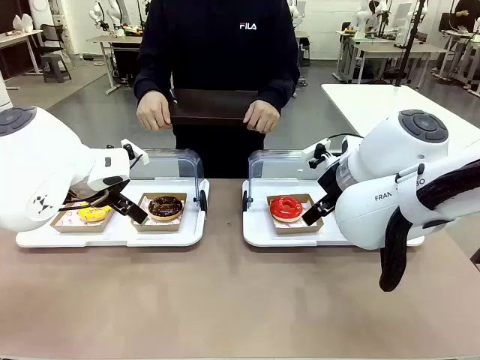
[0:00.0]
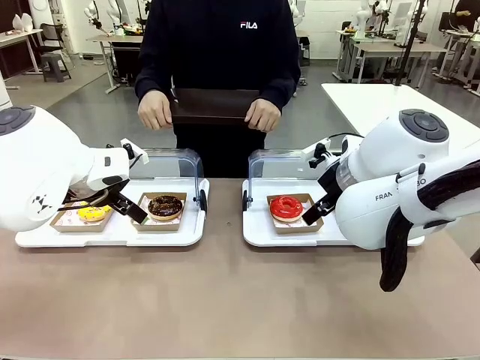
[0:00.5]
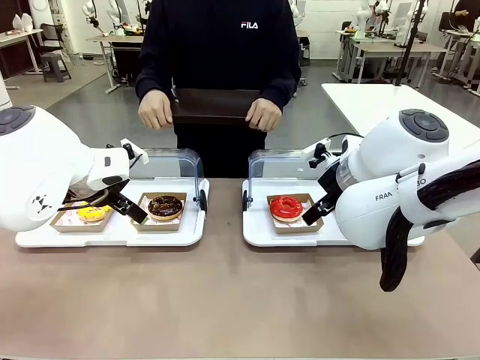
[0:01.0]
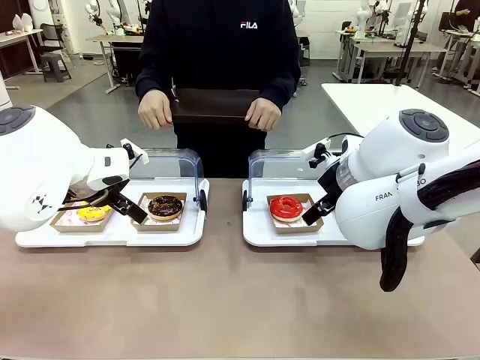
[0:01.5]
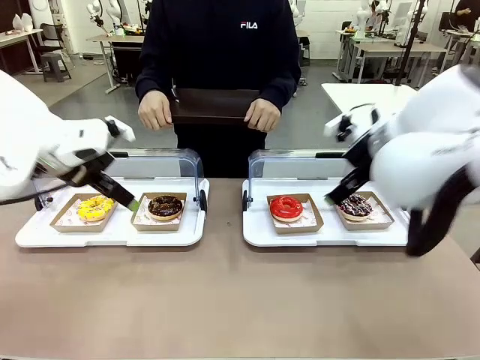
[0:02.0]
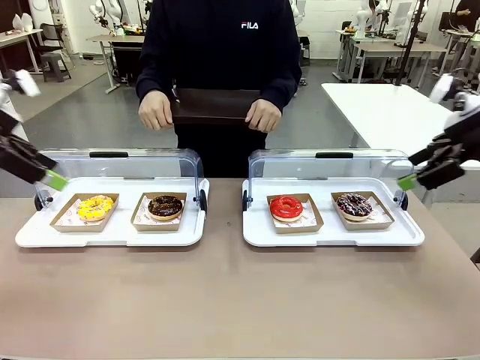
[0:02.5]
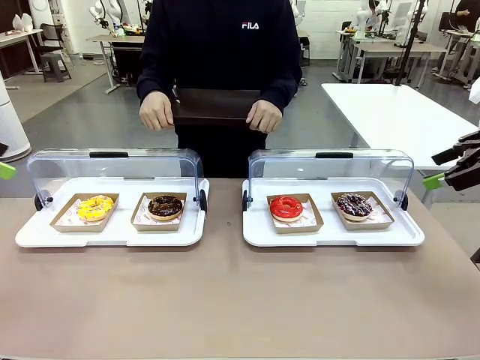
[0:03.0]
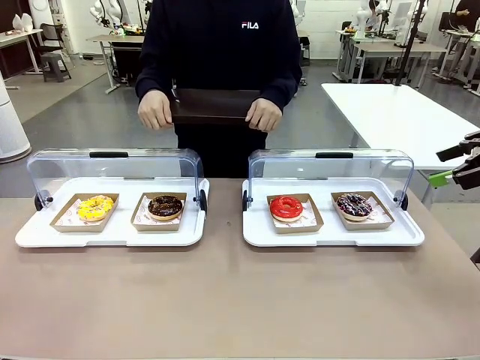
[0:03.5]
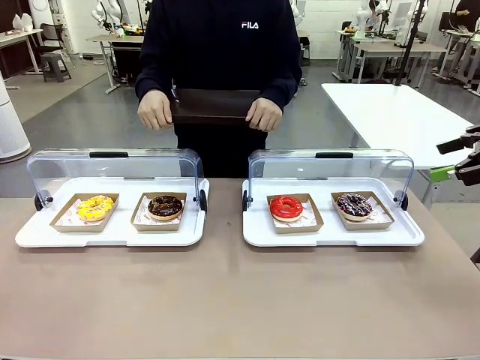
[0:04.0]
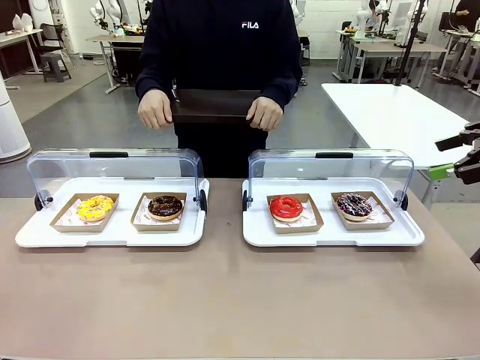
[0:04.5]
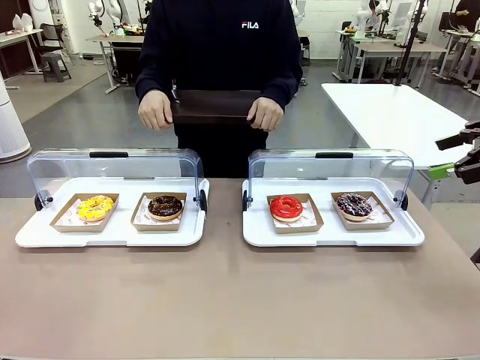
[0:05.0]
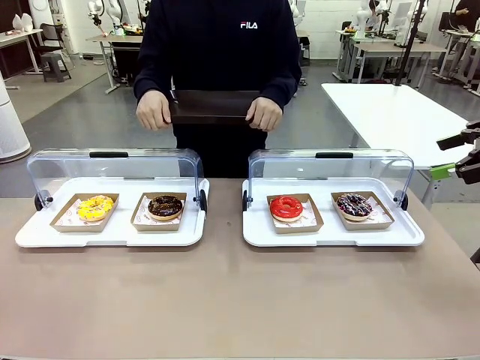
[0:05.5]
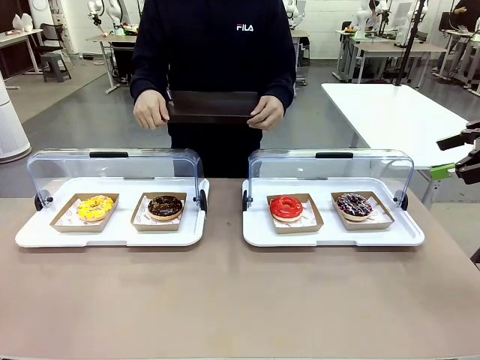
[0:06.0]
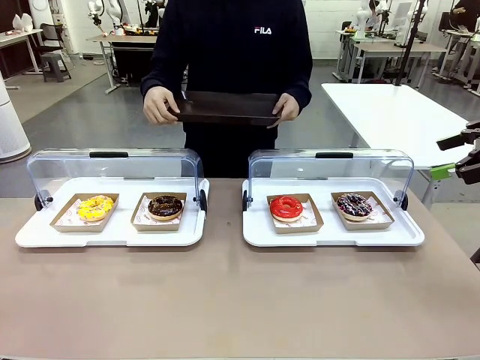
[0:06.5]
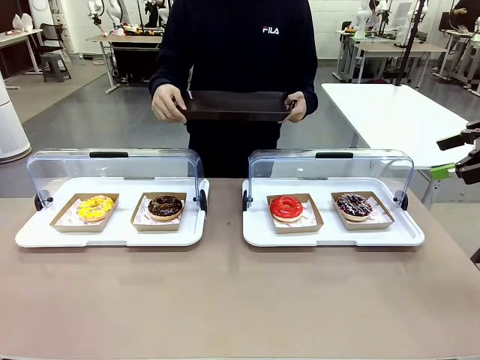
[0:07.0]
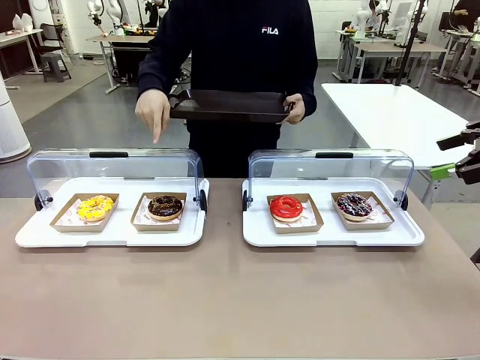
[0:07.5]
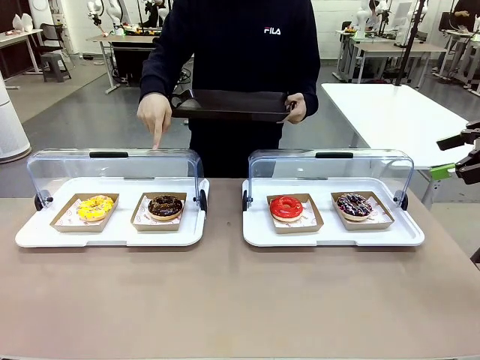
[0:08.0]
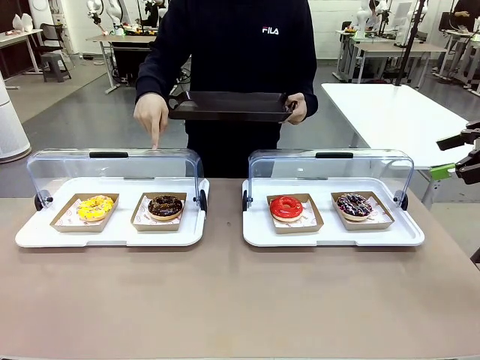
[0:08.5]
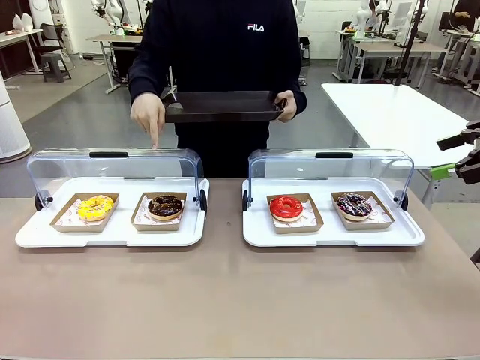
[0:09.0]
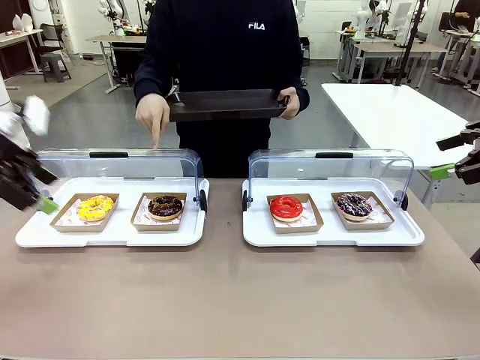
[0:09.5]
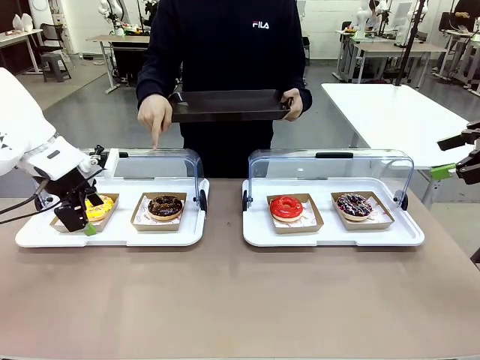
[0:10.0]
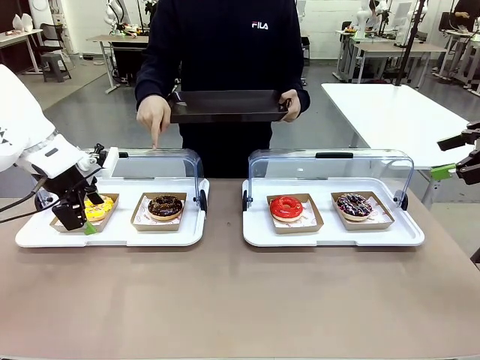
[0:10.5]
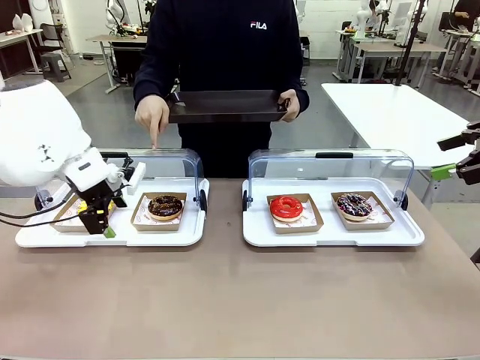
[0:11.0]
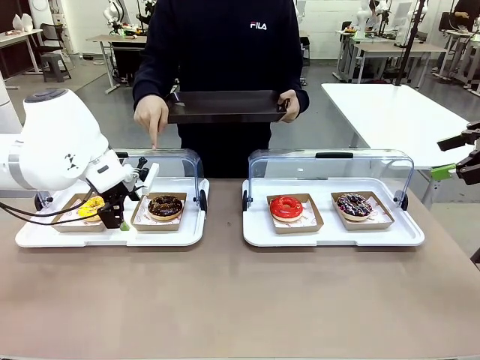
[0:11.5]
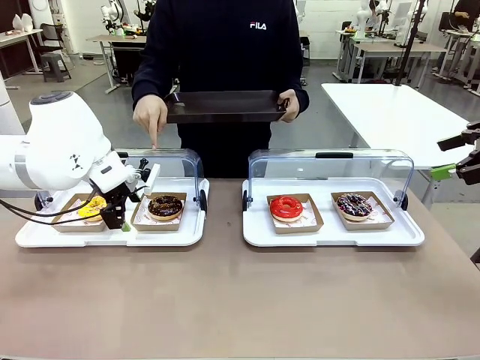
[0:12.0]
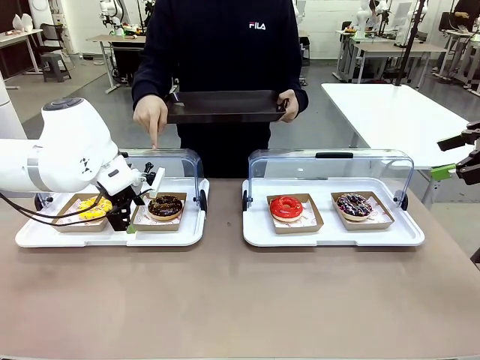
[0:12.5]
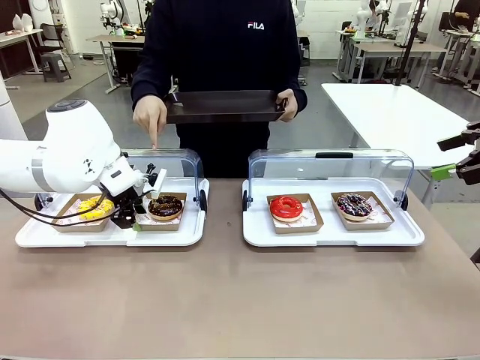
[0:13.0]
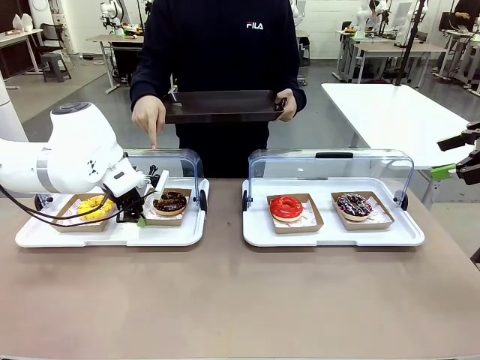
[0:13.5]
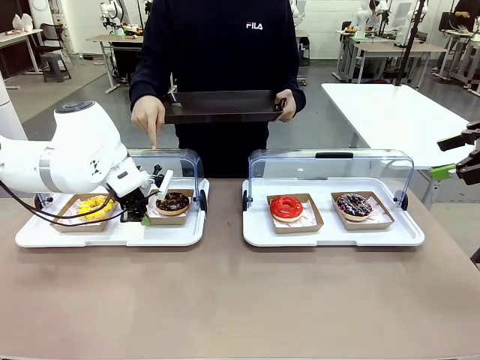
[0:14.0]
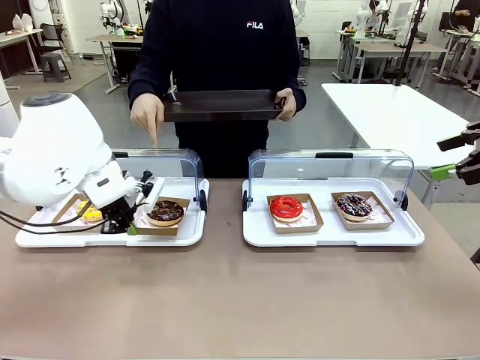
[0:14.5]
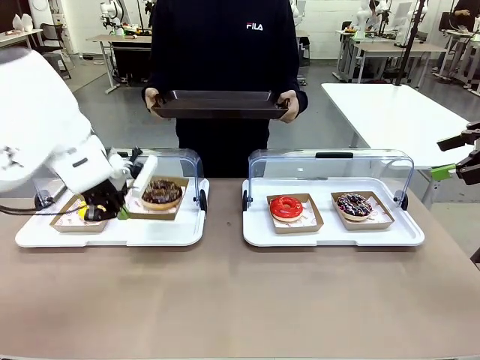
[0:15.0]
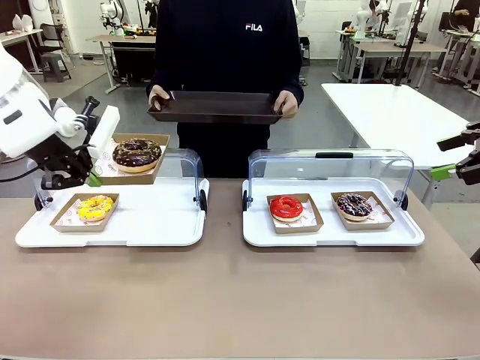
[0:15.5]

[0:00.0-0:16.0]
Task: Provide the desired donut to the person.
Robot: Pick up and lift the Paper togo box containing the Donut pointed at by the person.
Person: Point to one donut. Lift the tray onto the Roll-Top Bakery Case.

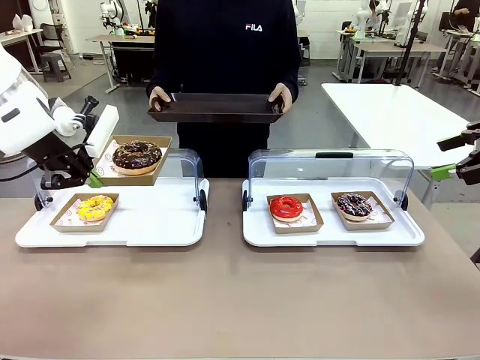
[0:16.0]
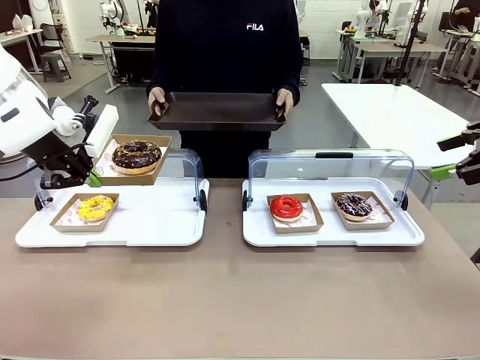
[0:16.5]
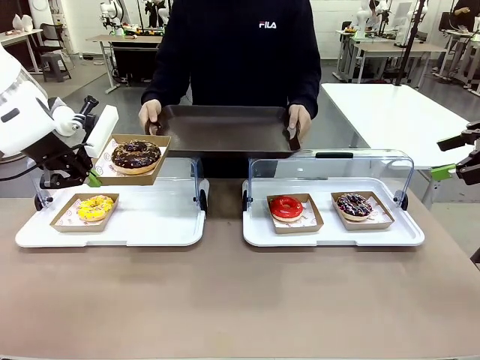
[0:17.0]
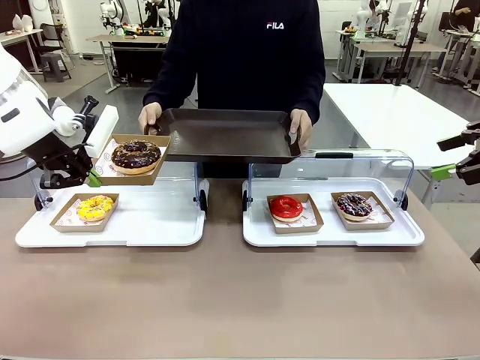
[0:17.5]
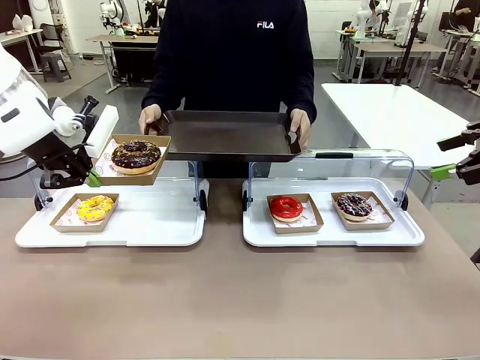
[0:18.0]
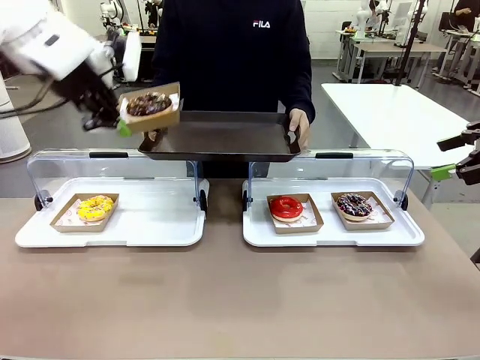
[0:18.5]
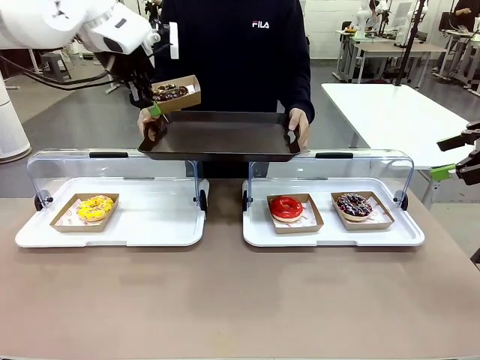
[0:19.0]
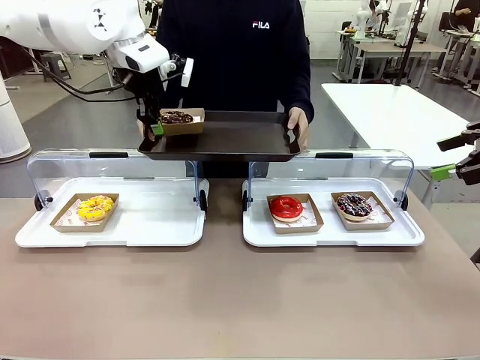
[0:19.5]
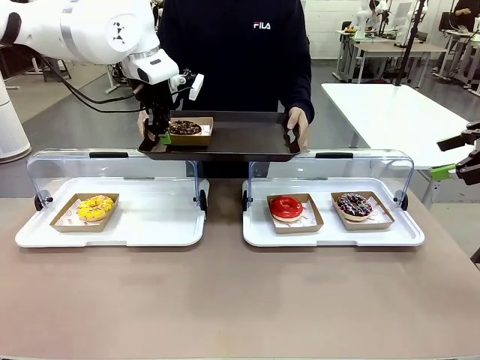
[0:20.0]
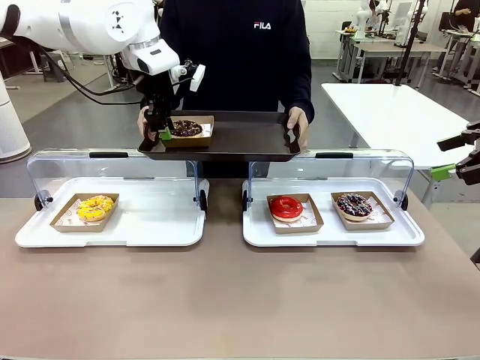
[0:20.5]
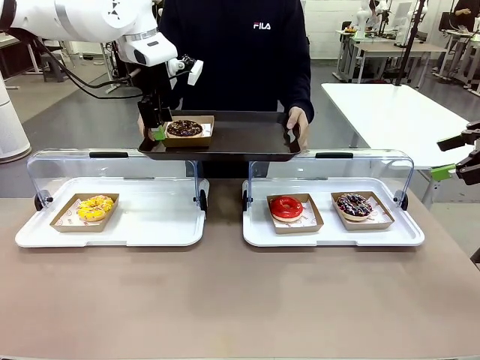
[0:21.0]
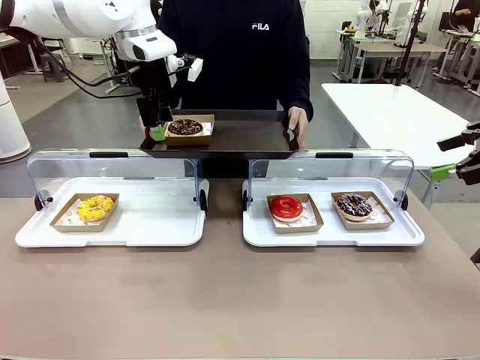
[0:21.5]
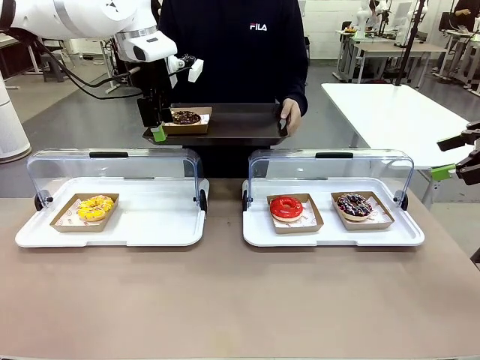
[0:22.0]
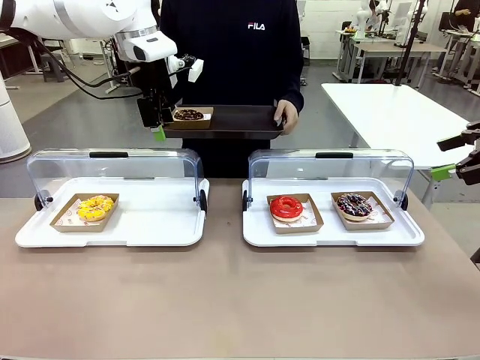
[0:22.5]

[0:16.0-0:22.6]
Robot: Place the picked Paper togo box onto the Handle tray extended by the person.
Person: Point to one donut.
